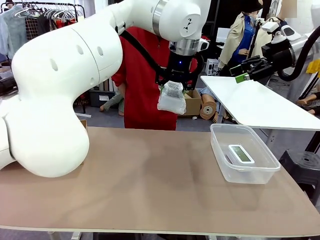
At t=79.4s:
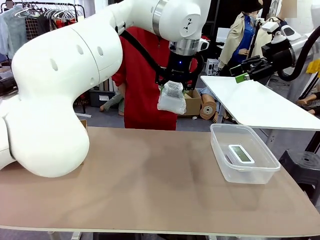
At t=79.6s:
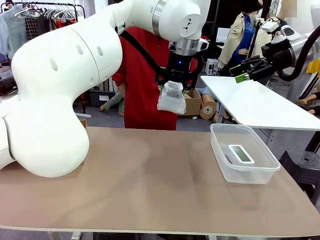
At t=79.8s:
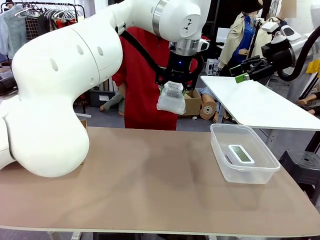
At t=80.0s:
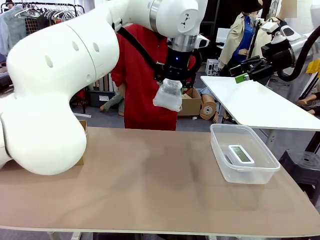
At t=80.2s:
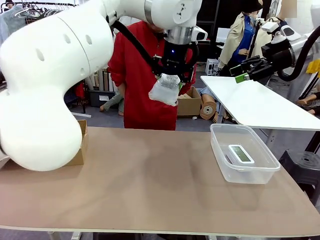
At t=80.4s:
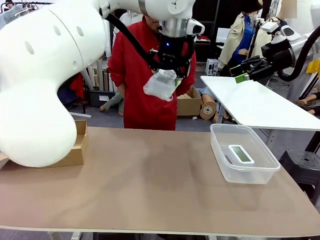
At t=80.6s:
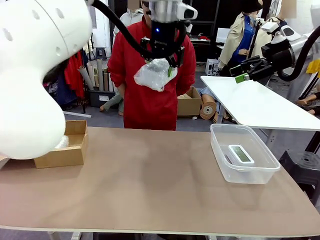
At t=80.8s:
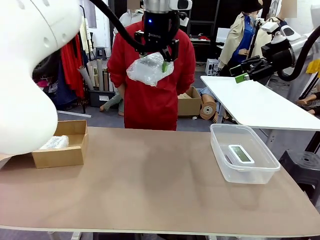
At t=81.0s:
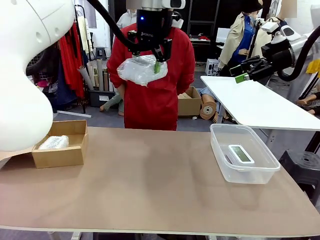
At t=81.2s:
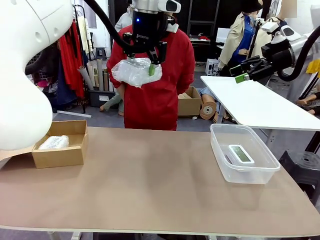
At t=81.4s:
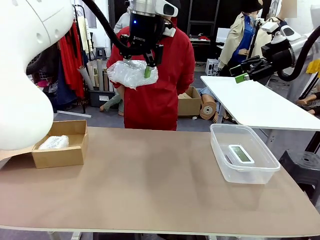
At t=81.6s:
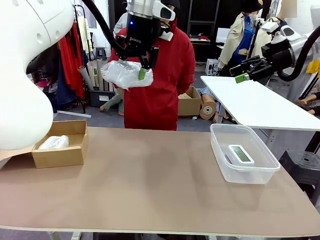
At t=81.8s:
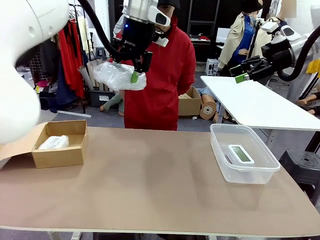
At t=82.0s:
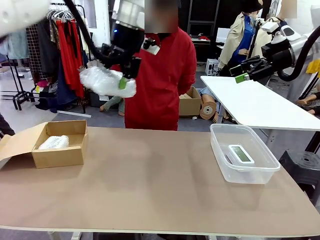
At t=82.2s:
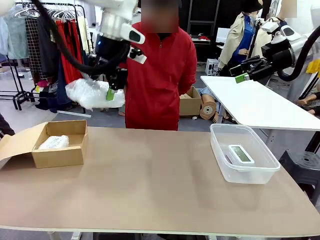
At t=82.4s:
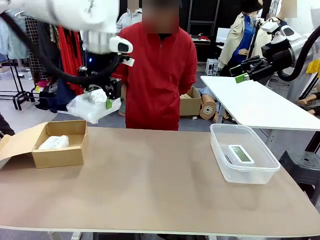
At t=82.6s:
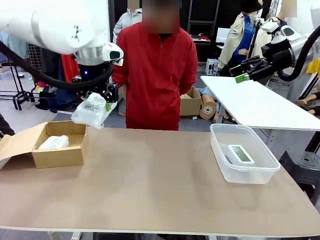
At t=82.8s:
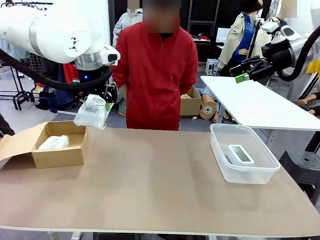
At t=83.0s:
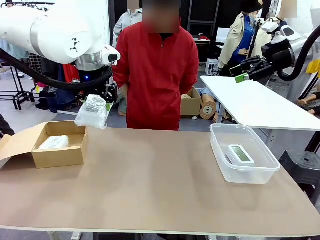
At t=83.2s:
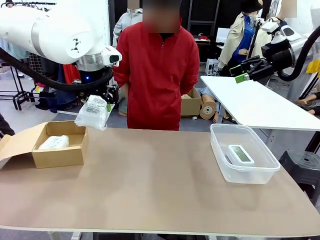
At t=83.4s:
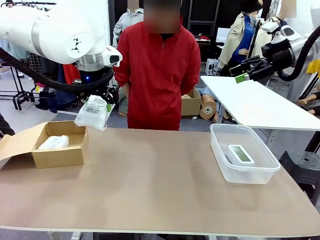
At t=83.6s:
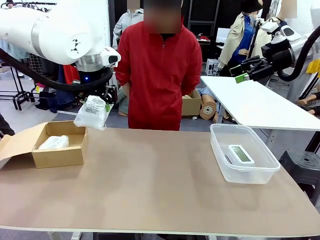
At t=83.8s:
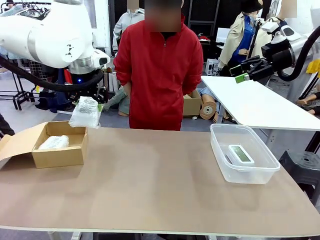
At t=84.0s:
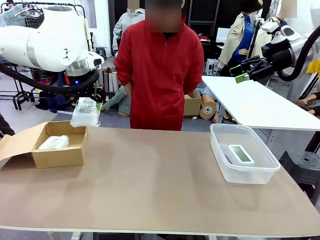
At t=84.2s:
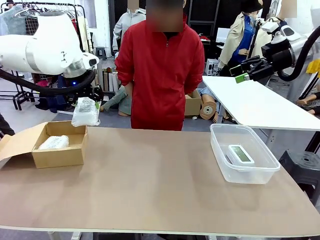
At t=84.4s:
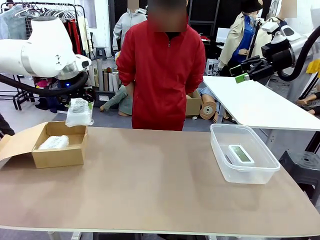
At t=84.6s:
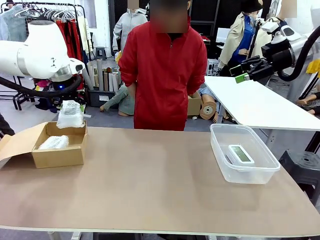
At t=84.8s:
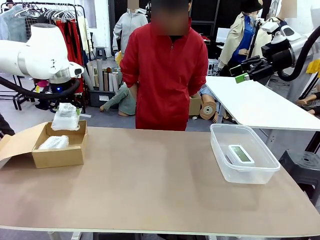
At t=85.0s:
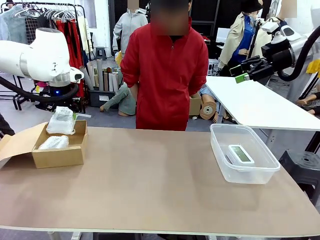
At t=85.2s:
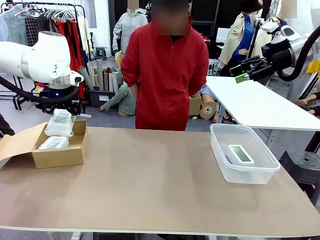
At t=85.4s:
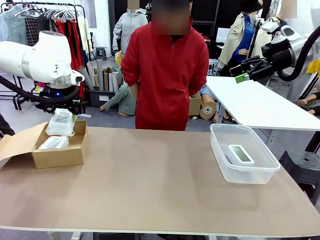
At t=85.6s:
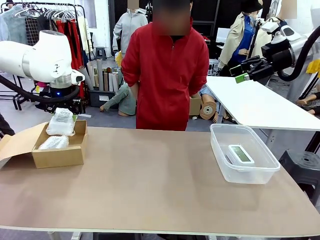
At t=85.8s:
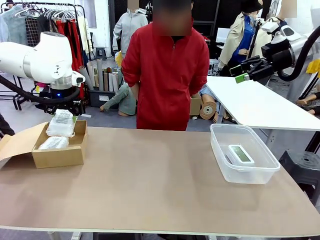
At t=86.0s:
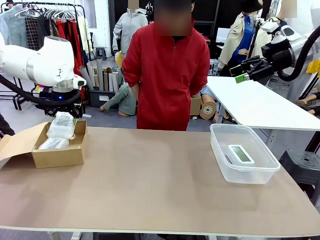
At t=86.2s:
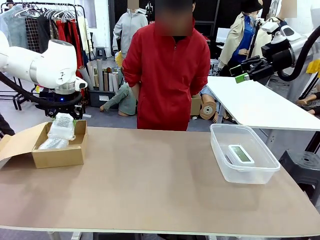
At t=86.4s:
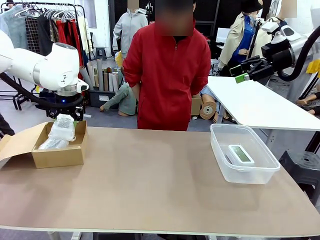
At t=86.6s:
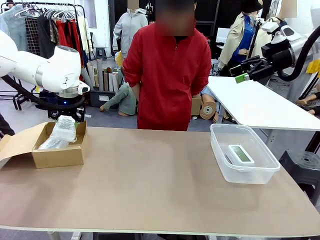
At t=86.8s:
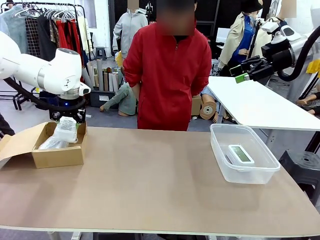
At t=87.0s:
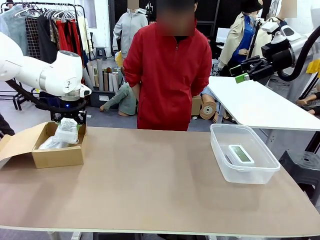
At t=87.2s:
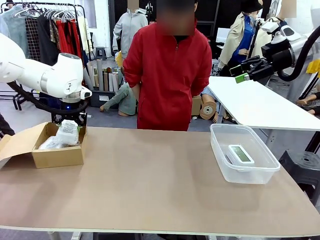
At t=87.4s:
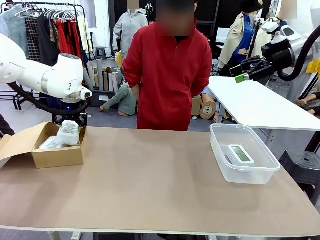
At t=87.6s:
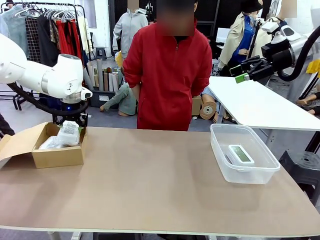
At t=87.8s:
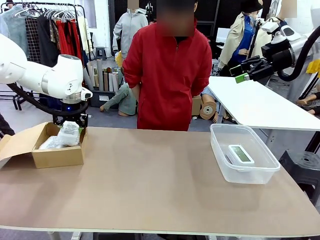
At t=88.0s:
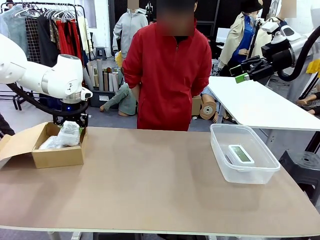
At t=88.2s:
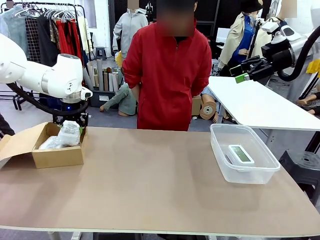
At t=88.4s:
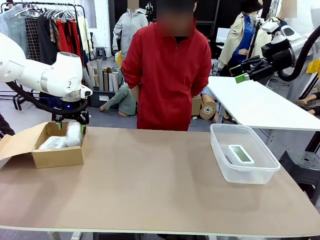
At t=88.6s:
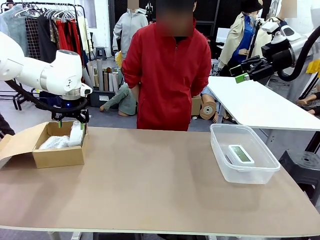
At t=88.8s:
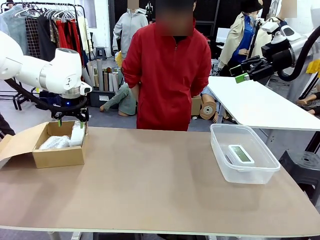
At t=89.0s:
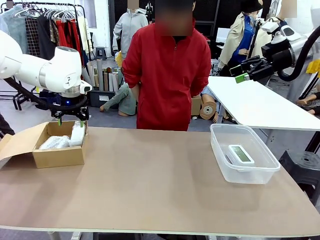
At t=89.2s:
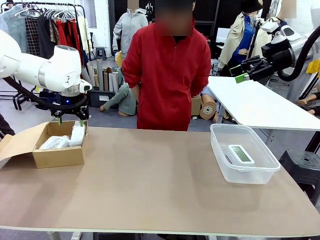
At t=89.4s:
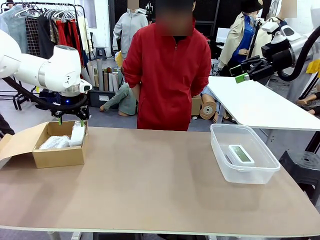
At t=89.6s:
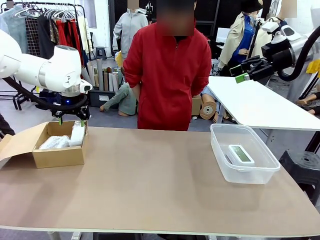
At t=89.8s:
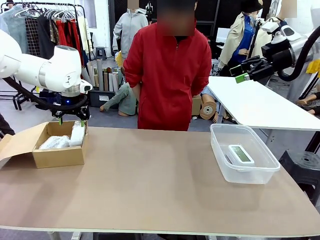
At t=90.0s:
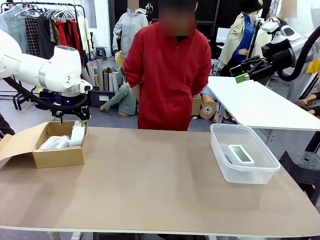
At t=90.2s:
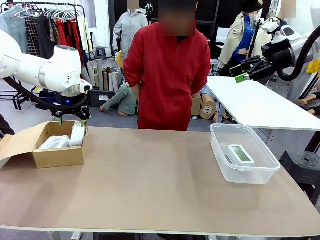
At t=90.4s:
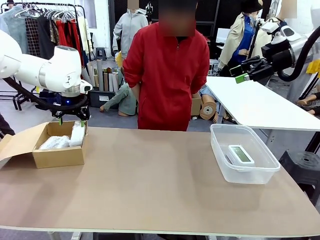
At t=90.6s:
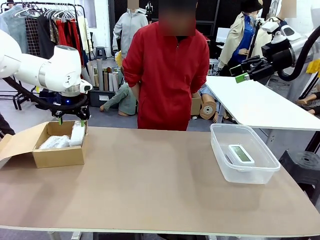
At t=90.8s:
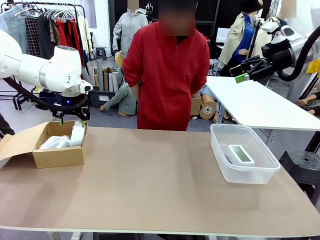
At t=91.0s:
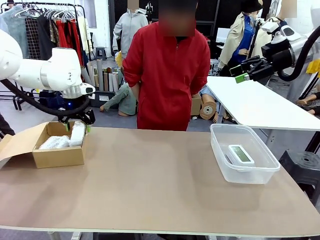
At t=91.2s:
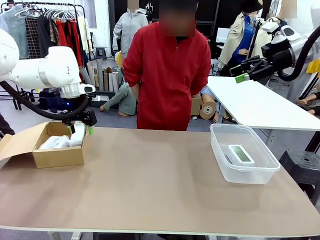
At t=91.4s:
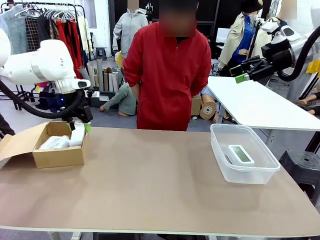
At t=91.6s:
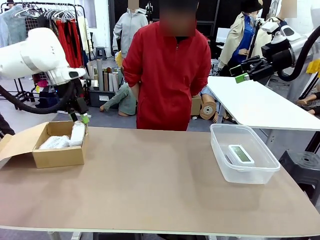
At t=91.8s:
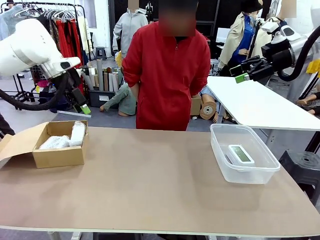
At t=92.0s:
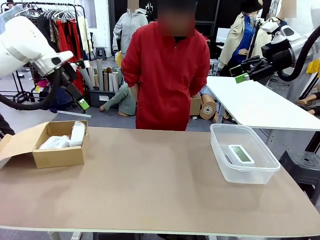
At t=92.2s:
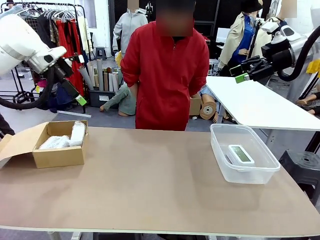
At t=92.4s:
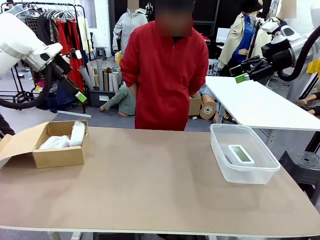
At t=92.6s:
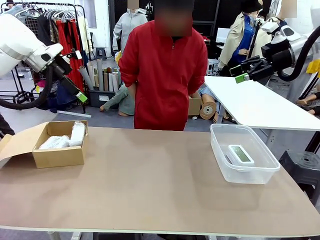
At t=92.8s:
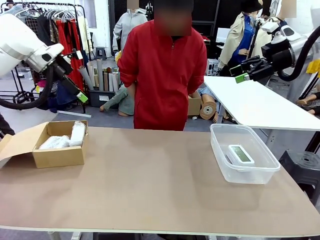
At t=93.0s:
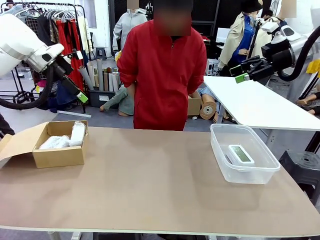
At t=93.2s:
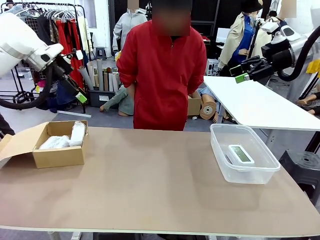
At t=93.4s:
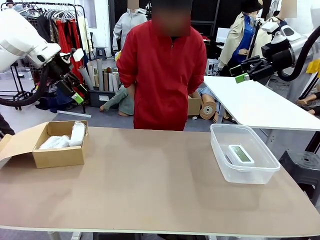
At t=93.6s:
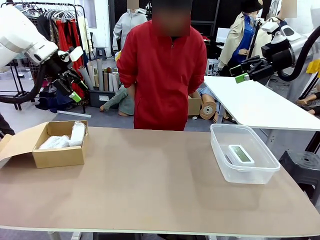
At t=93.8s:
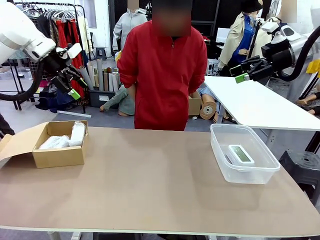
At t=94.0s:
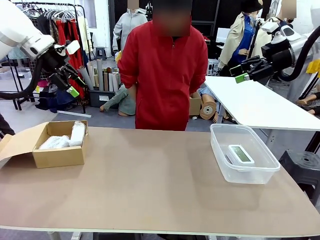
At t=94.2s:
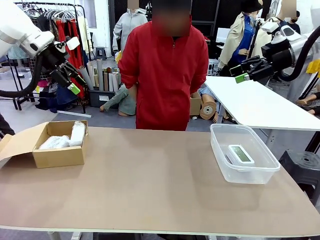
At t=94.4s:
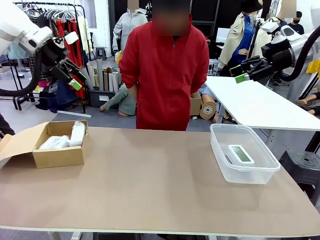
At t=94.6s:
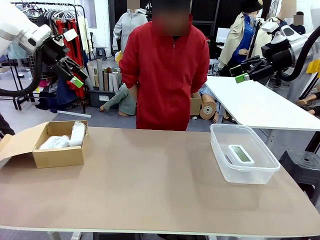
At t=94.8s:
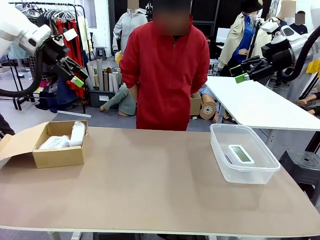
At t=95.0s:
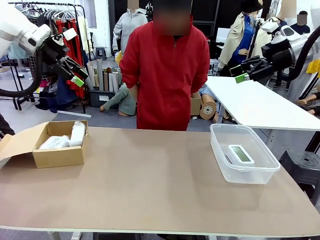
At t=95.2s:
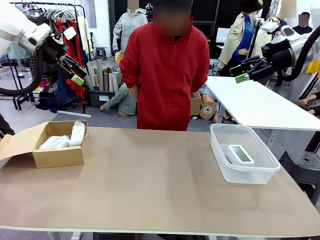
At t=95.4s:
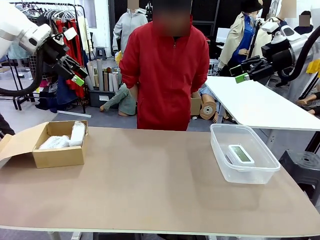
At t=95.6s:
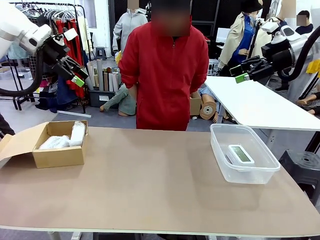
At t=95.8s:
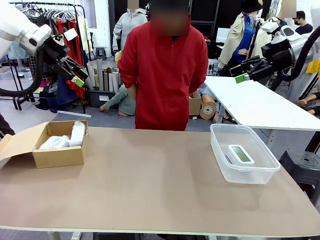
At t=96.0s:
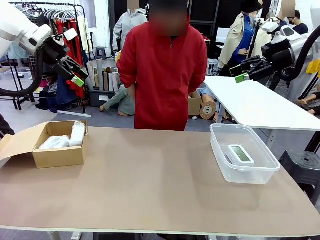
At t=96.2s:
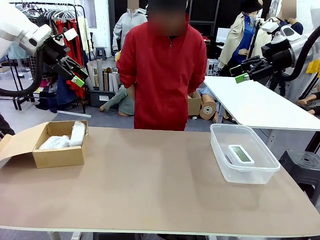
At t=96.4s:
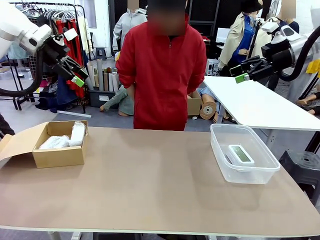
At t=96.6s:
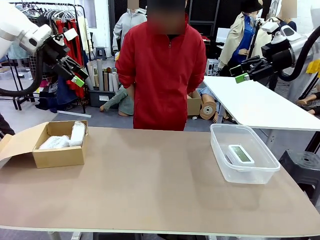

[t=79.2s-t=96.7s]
Task: Separate and place wrapped and unwrapped clocks.
Robot: If the picked Digital clock is wrapped, place it in the Package Box ; if not, place it in the Organizing box.
